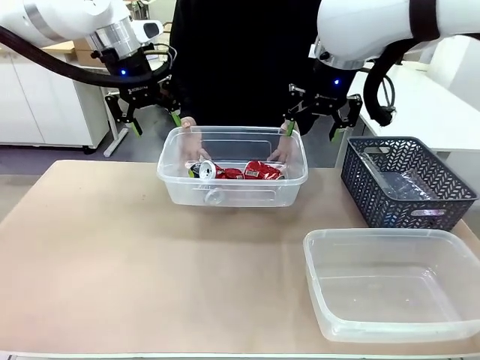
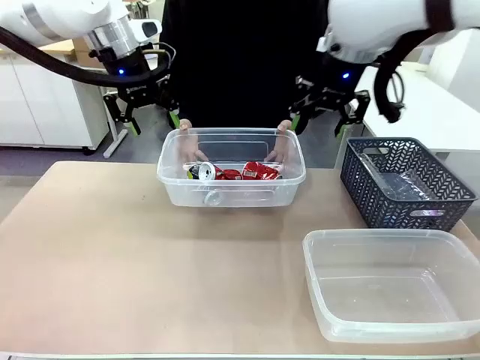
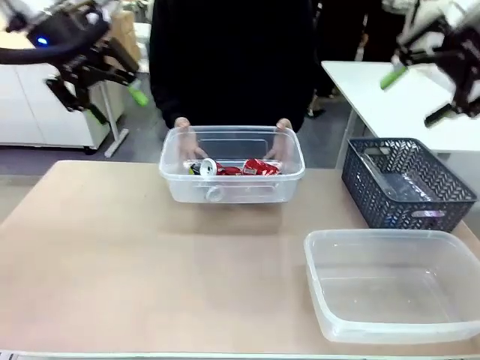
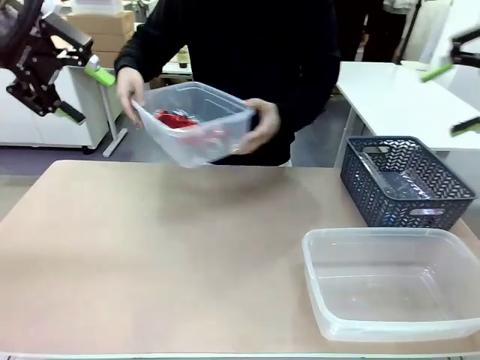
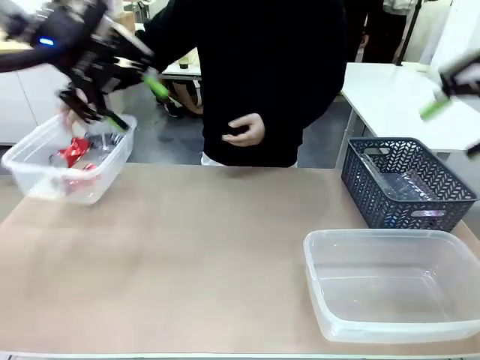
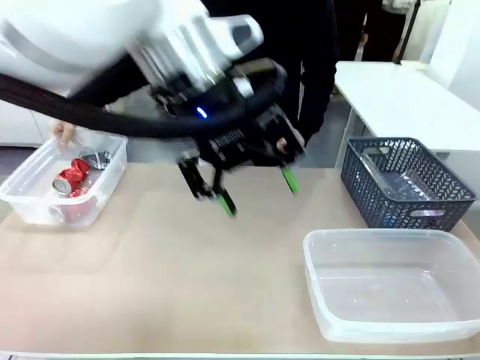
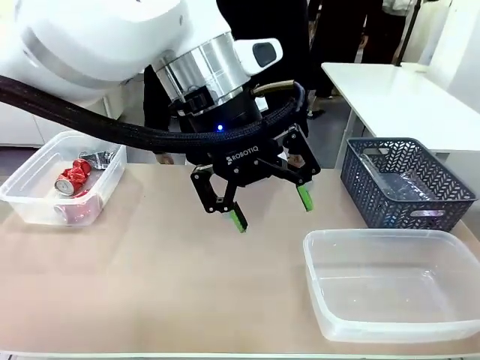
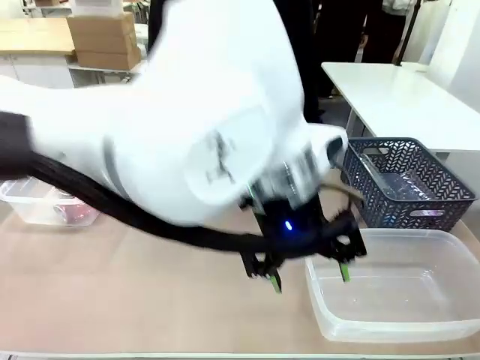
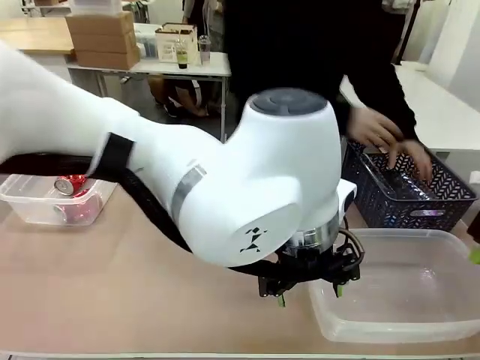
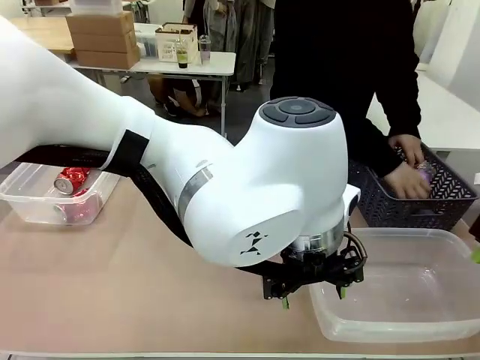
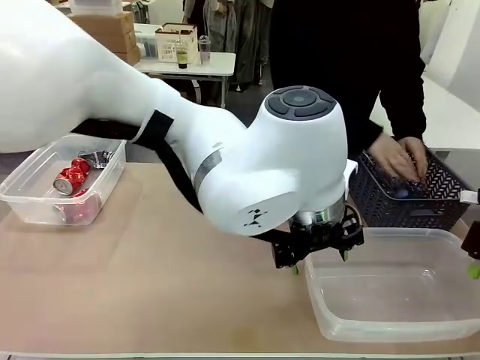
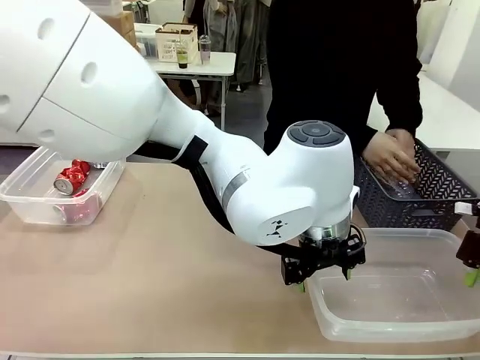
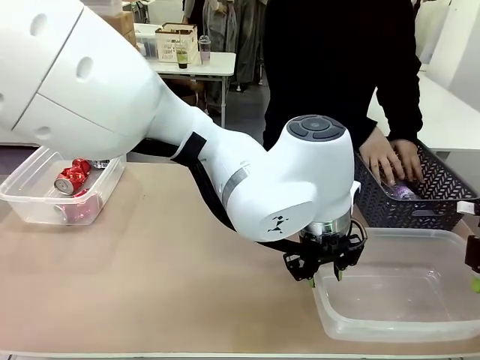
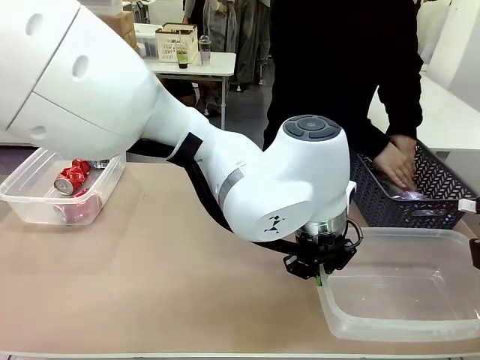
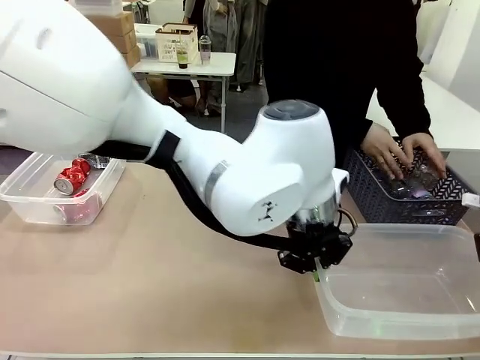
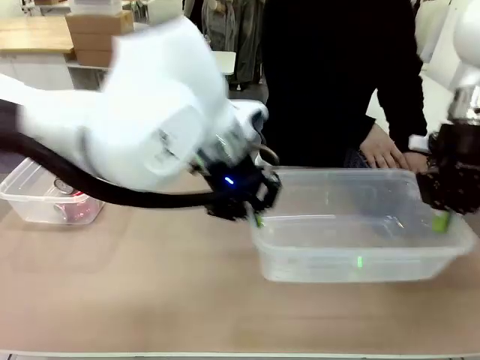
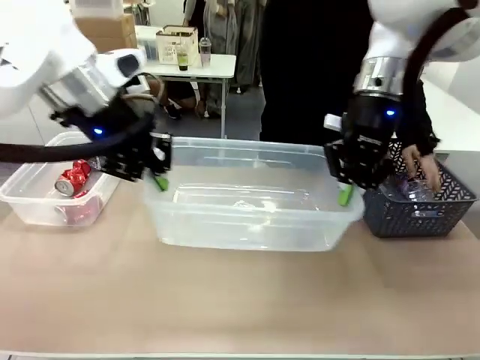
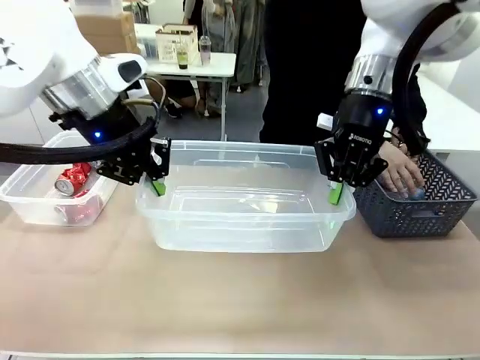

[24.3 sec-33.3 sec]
Robot: Pick up the Organizing box on the right side of the table and lift it.
Person: Place it at the edge of the bottom right area of the robot table. Pick up plastic waste one by one and place it into the organizing box lifted by the robot.

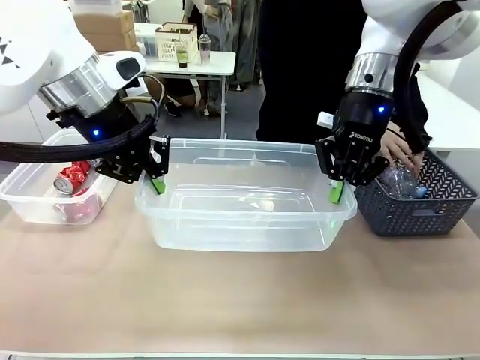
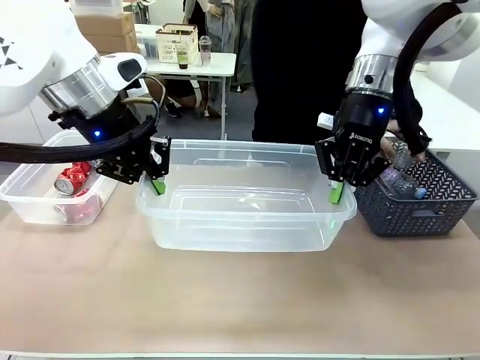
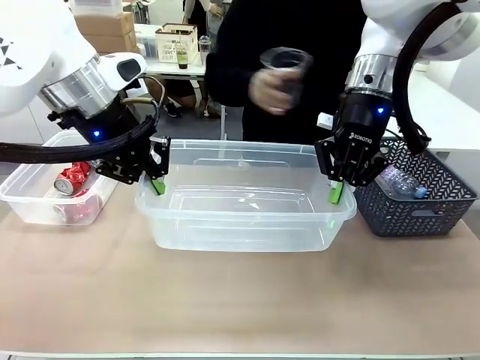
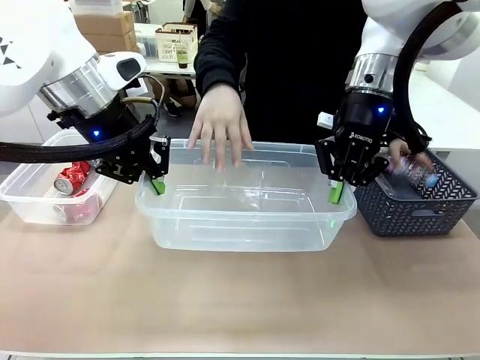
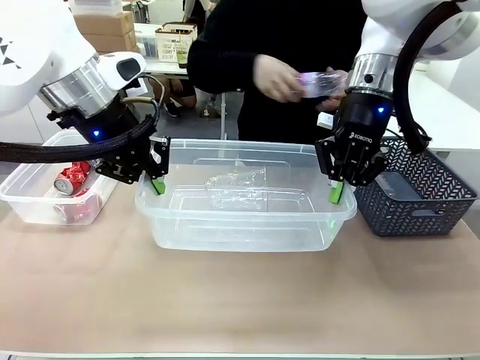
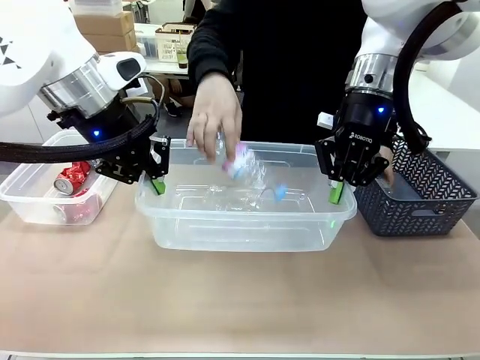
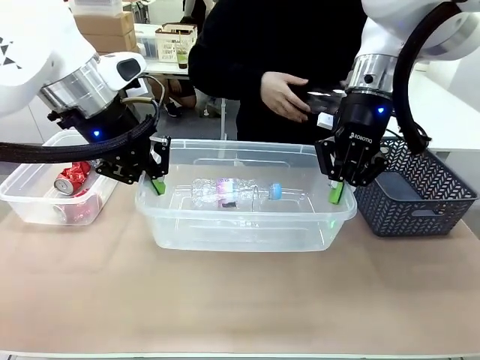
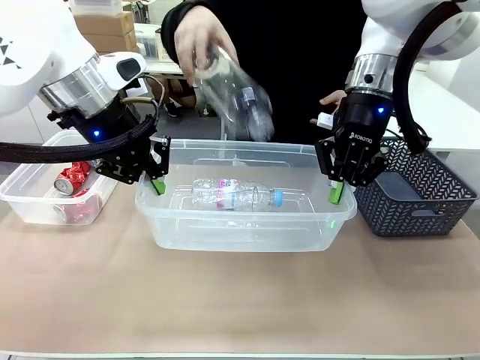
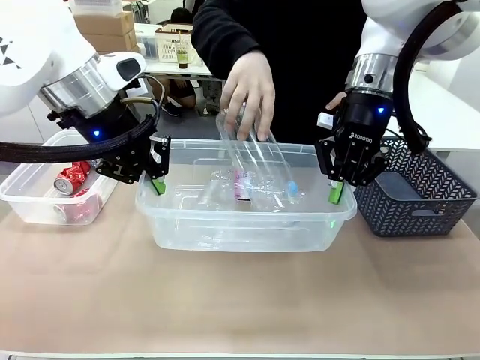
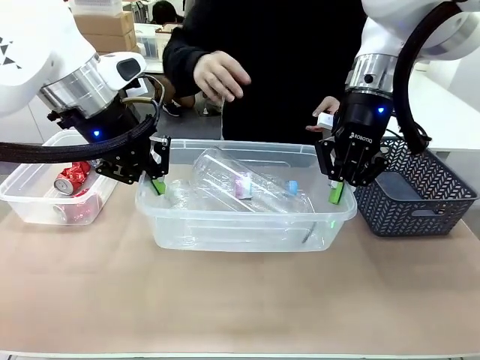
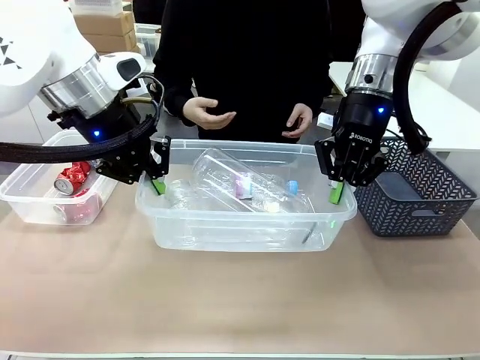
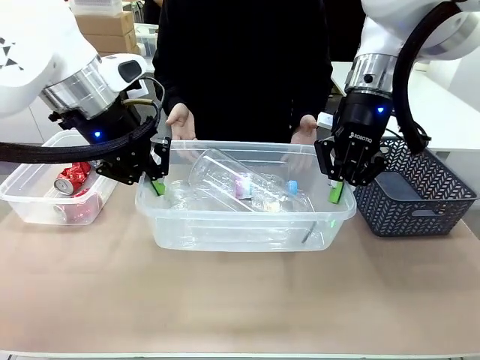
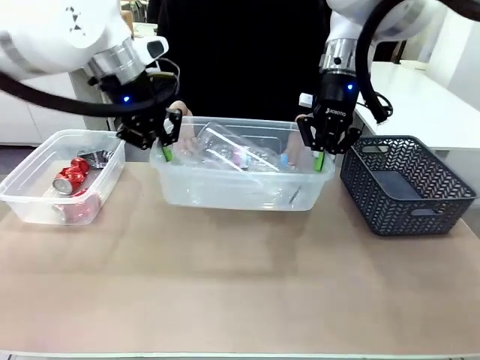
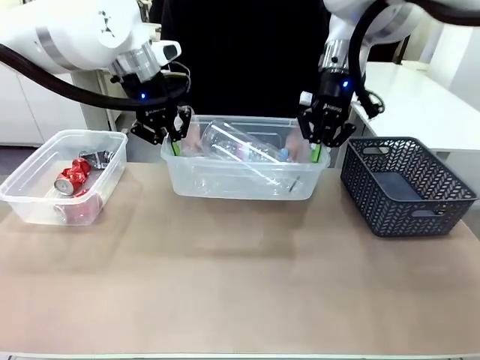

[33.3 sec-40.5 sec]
Robot: Offer the picked Organizing box to the human.

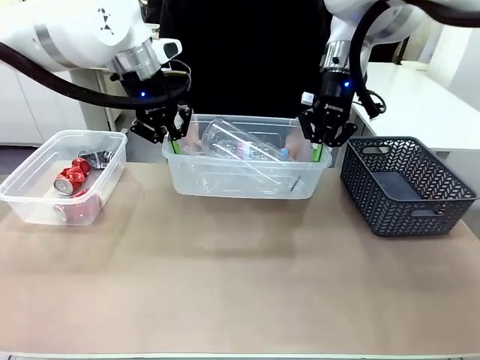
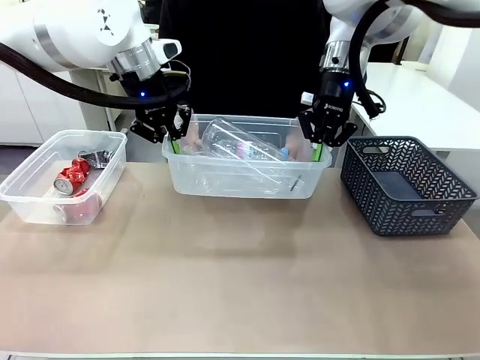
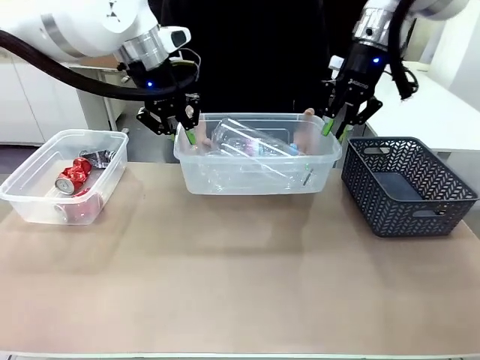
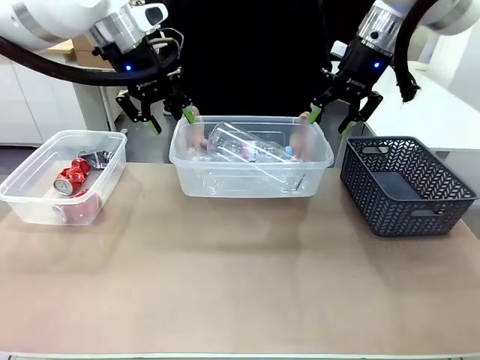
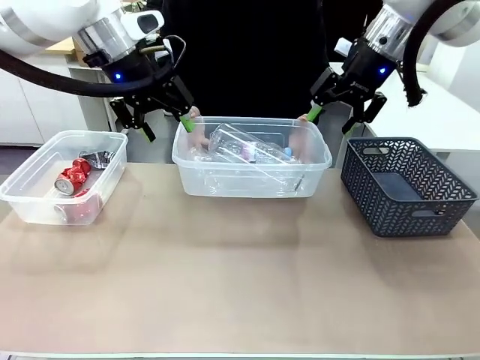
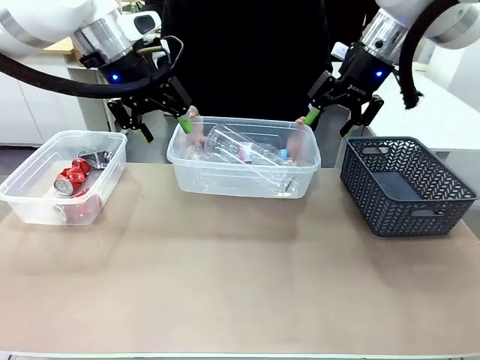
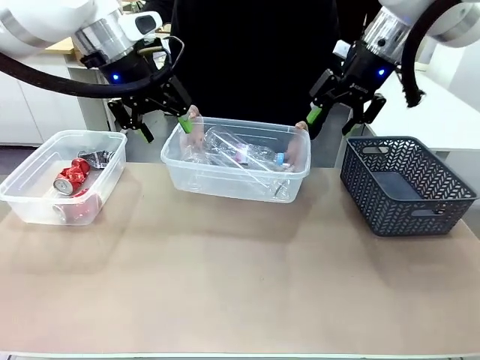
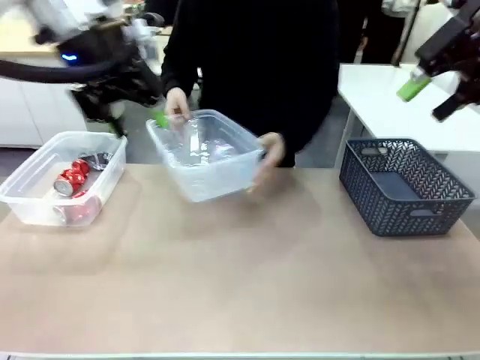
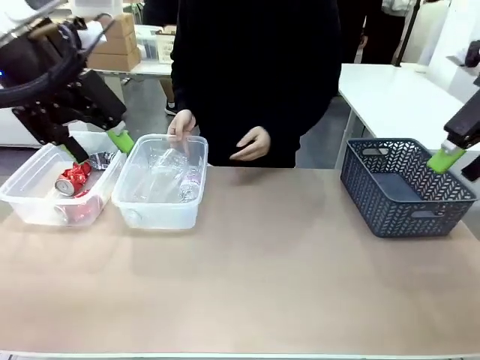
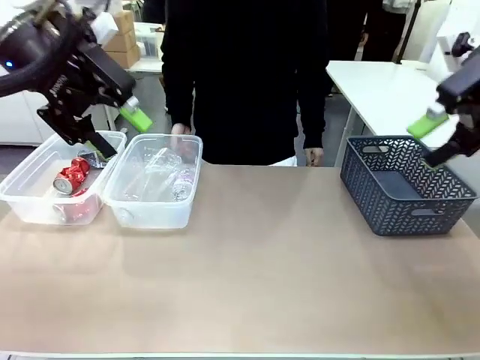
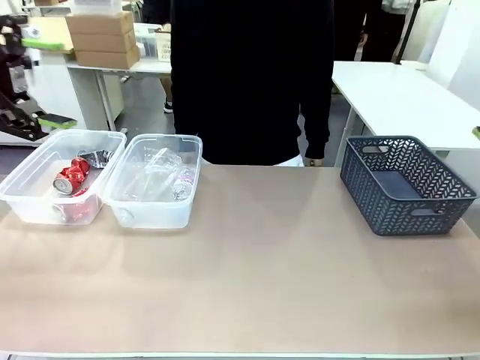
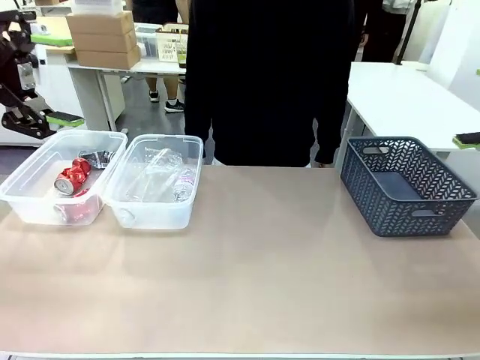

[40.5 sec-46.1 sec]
Robot: Release the Organizing box you were holding.
Person: Pick up the organizing box extended by the robot. Place the organizing box to the left of the sorting box containing the can waste.

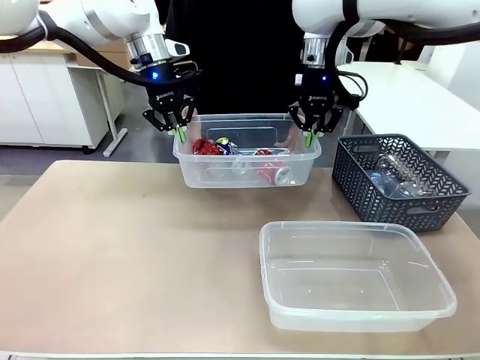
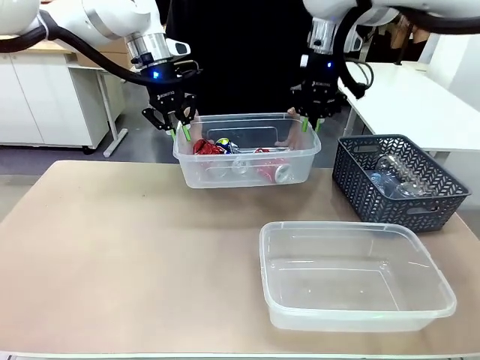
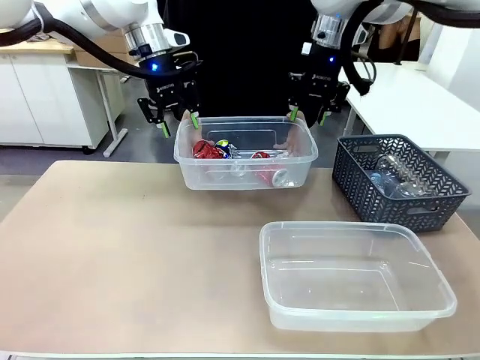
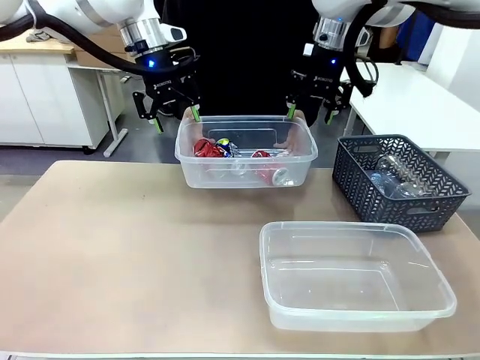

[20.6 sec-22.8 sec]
Robot: Release the Organizing box you were holding.
